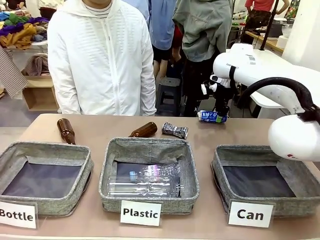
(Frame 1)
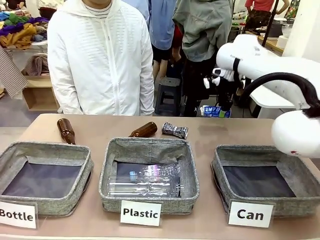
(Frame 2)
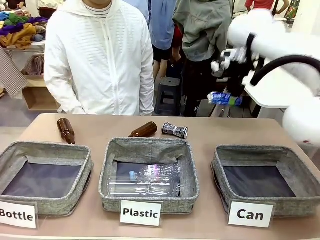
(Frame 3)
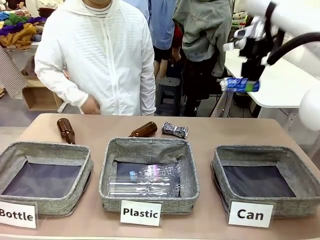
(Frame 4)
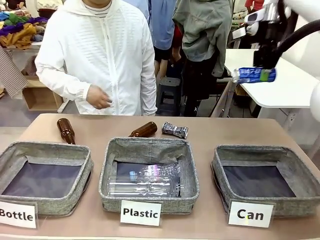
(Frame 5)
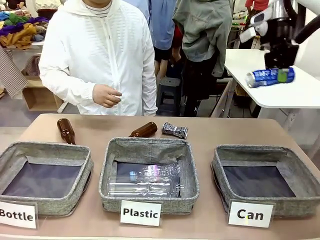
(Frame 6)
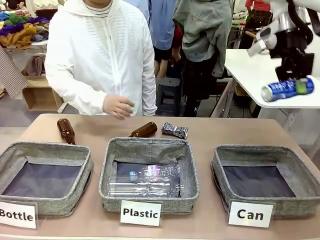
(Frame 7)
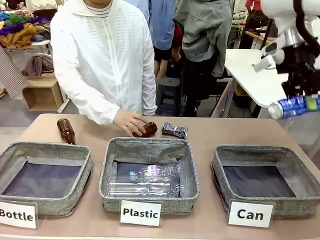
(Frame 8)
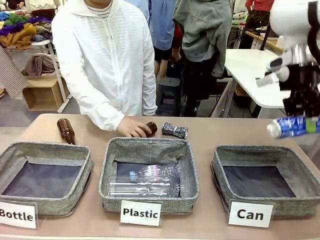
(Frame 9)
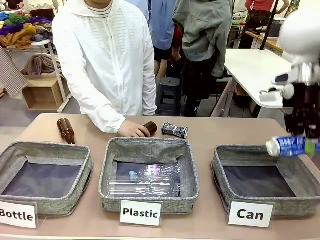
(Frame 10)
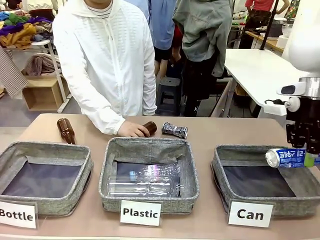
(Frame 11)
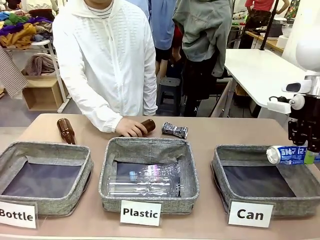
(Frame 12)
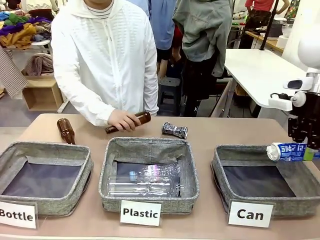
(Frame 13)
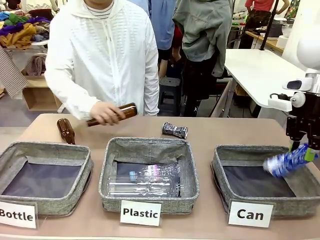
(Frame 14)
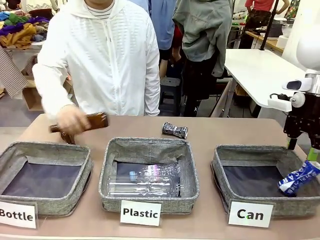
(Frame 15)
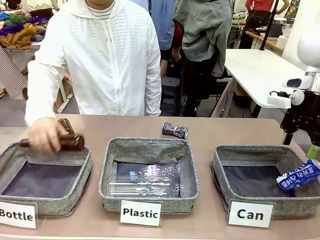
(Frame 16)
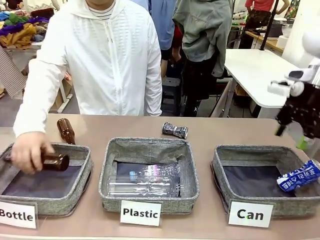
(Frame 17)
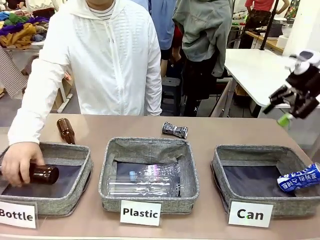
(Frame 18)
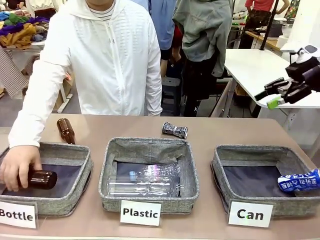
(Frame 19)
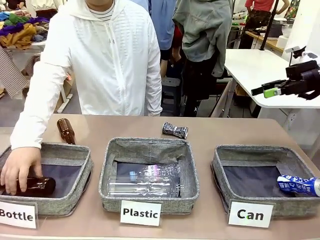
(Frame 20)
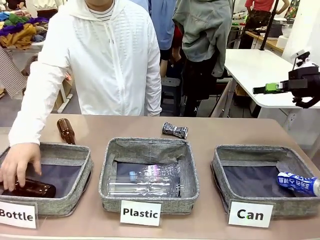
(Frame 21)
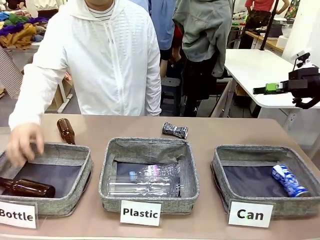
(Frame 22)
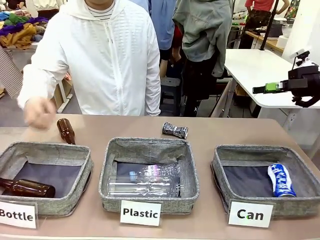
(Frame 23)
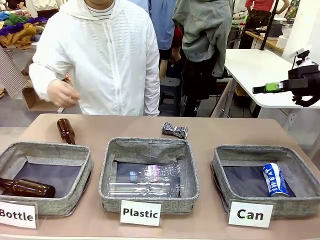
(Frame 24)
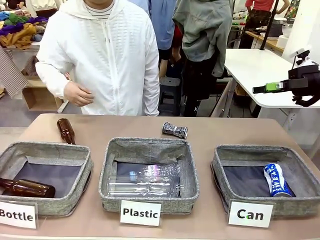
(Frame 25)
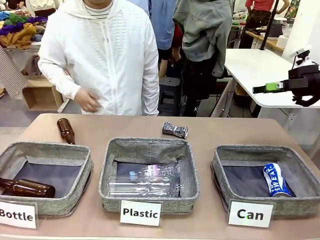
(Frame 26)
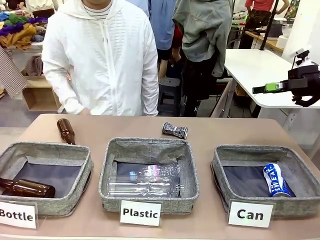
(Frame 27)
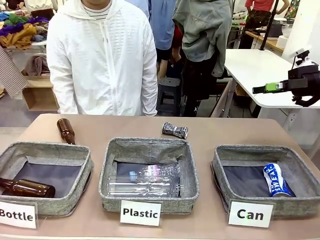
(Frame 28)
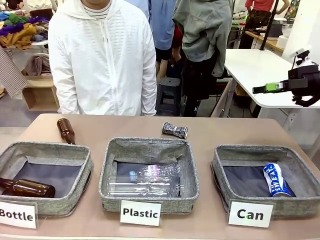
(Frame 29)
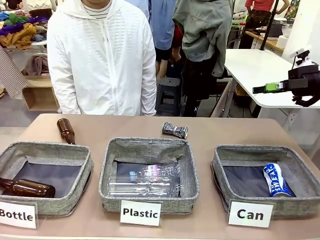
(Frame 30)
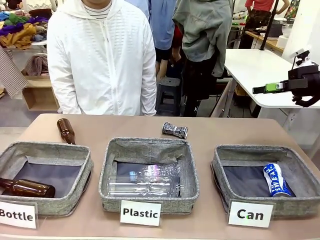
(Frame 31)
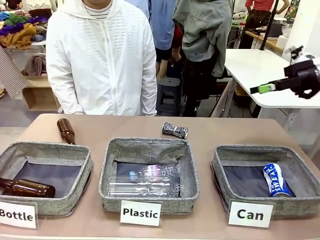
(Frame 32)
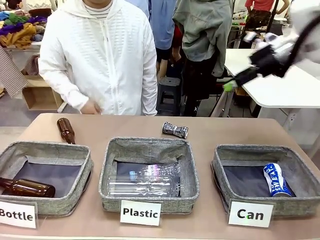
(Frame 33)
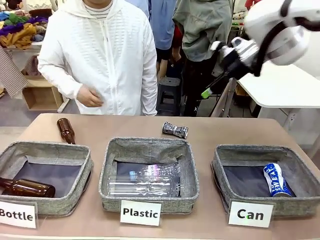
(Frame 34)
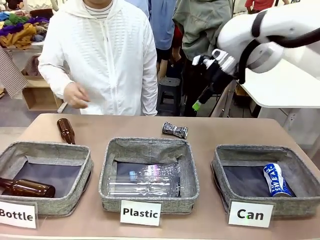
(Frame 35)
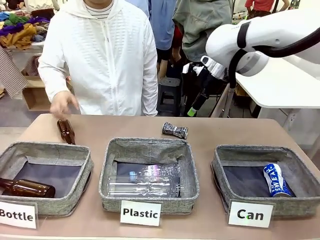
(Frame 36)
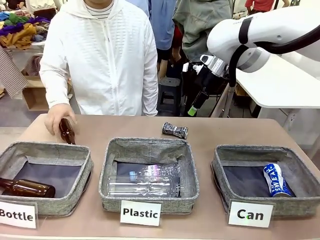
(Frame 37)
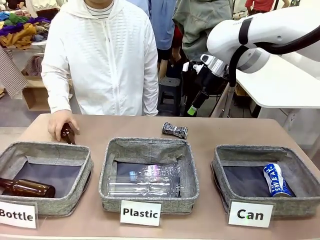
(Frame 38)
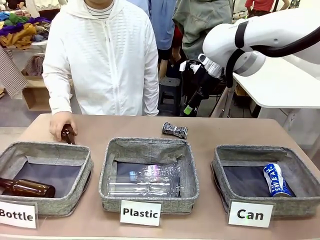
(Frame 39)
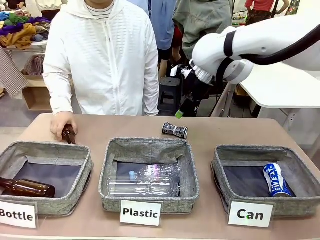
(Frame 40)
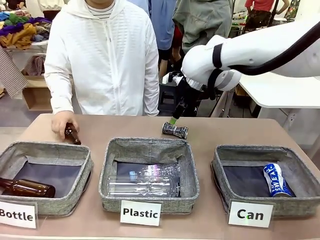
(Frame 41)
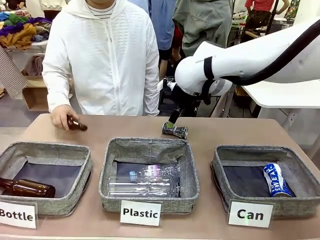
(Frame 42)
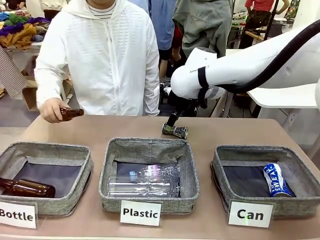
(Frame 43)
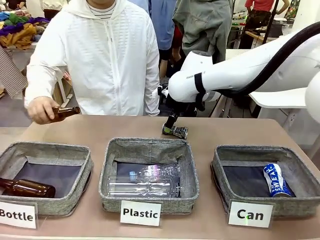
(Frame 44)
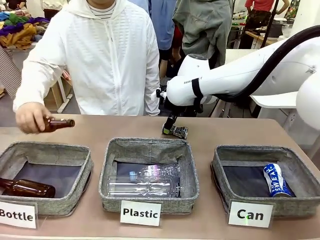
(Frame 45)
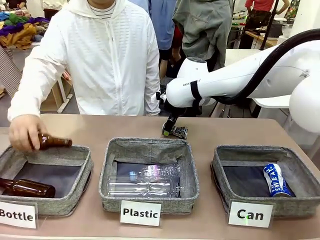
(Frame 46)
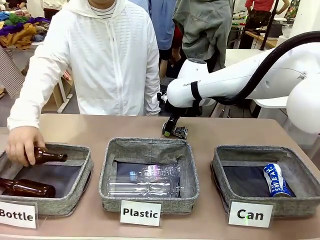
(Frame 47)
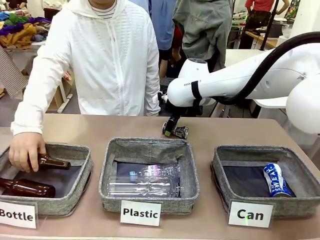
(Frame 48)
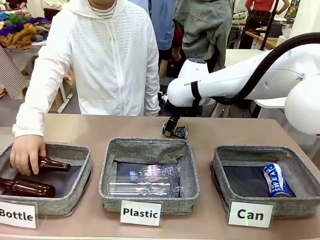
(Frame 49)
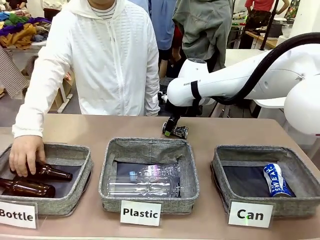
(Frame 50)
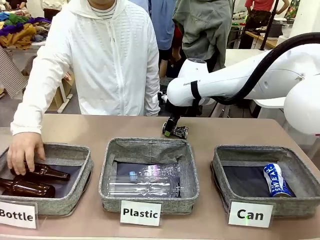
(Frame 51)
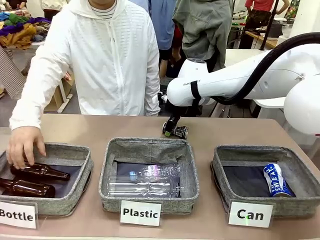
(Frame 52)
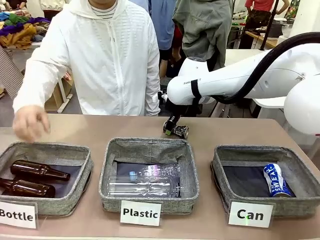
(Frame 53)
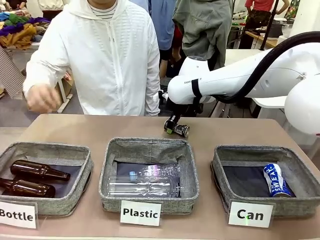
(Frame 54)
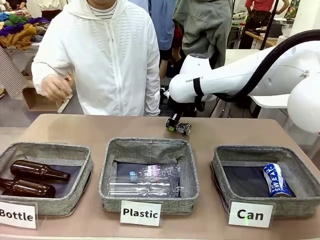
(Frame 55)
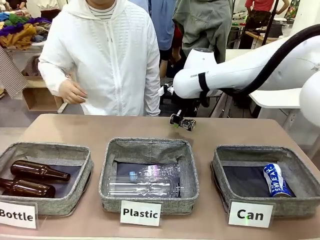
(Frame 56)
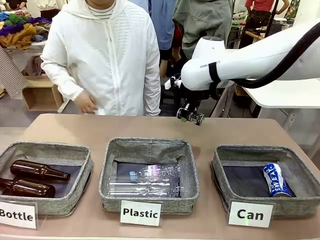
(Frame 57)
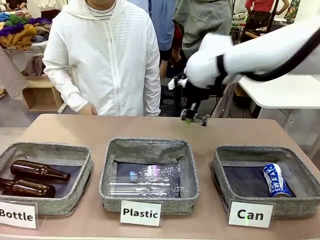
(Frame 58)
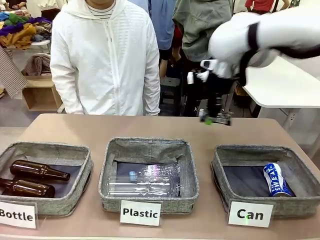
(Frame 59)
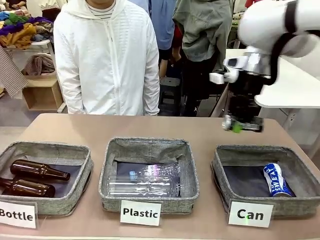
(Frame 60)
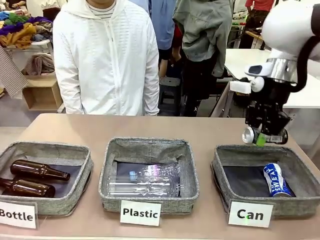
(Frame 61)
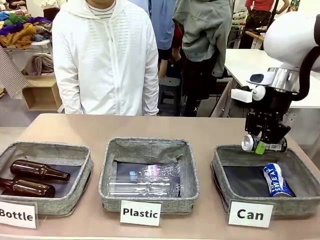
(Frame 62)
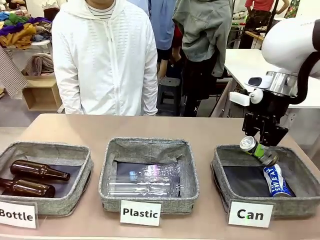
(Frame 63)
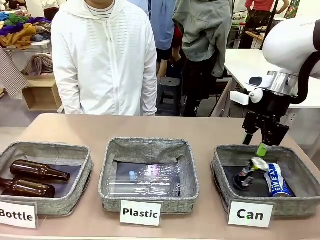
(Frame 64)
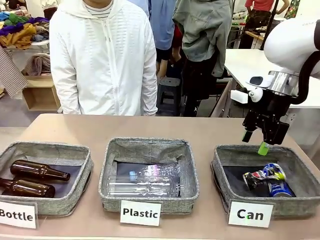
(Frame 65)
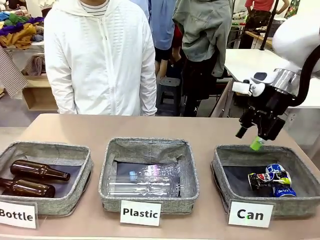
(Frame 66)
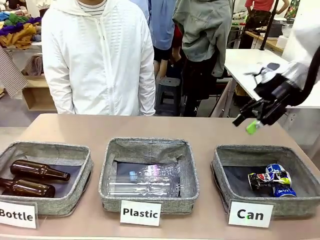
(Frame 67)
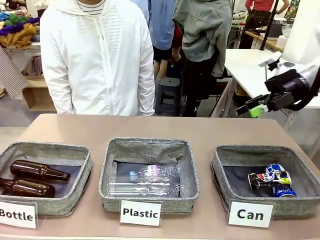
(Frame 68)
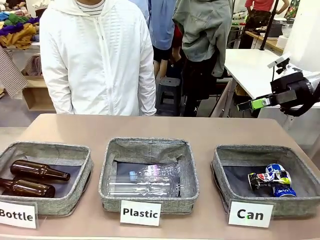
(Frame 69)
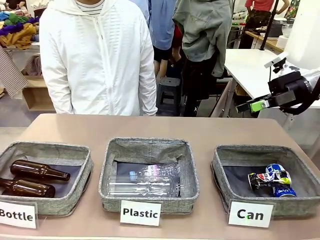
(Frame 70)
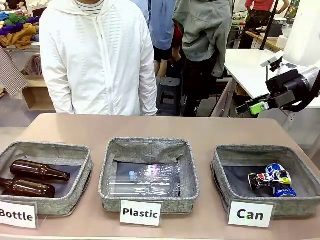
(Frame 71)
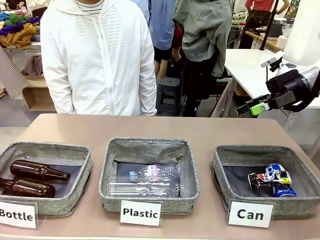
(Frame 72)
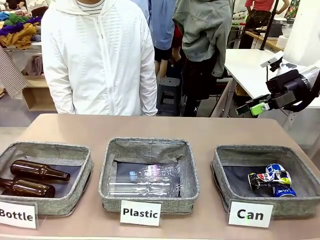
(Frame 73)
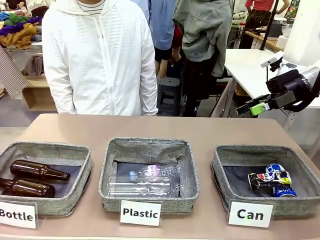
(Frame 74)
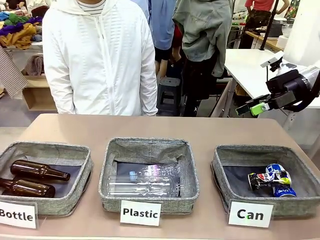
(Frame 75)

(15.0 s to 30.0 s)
Task: Sort the can waste into the basket.
Robot: Pick up the can waste from the table and place it in the right Fabric basket.
